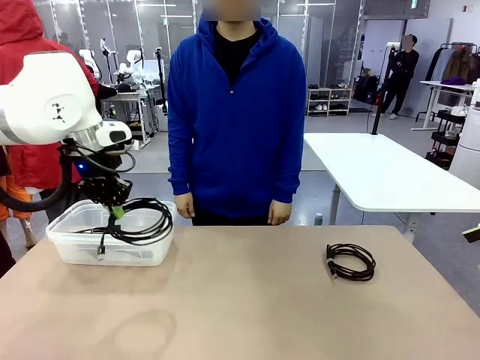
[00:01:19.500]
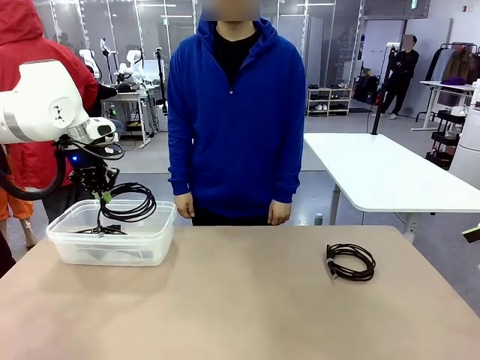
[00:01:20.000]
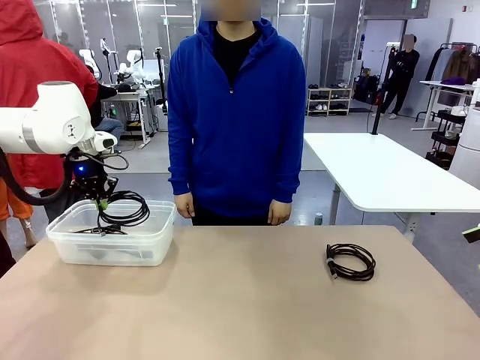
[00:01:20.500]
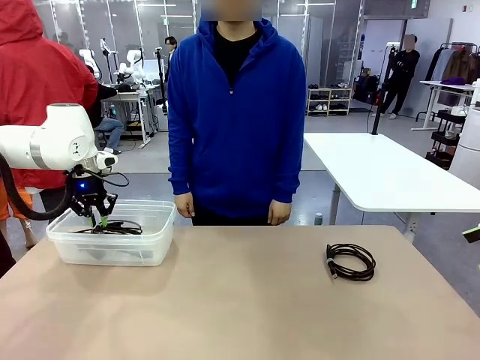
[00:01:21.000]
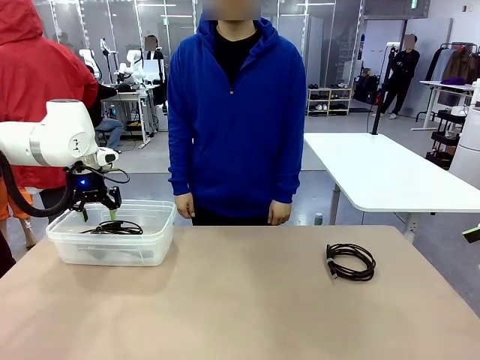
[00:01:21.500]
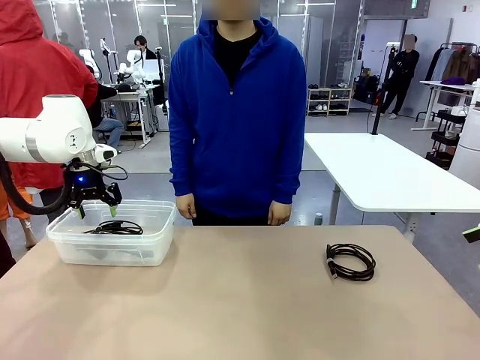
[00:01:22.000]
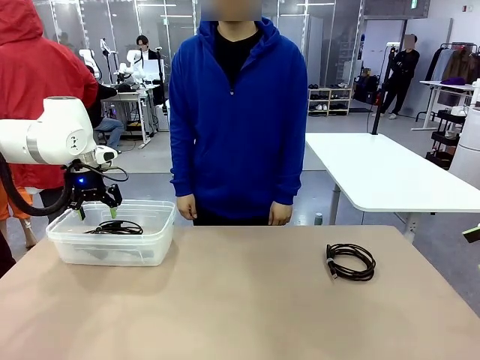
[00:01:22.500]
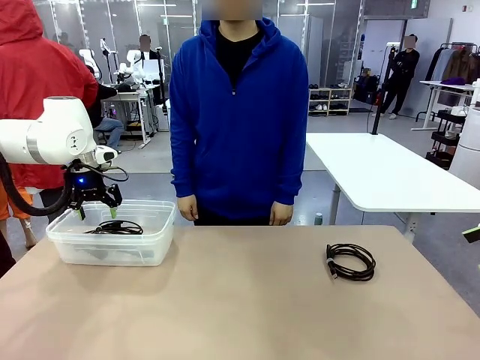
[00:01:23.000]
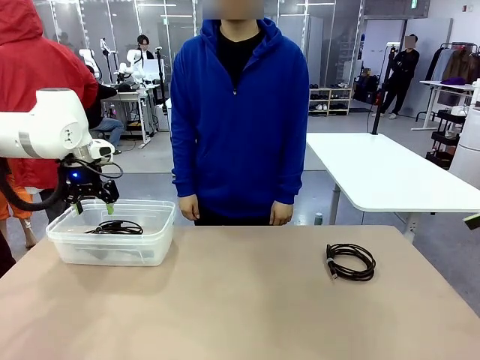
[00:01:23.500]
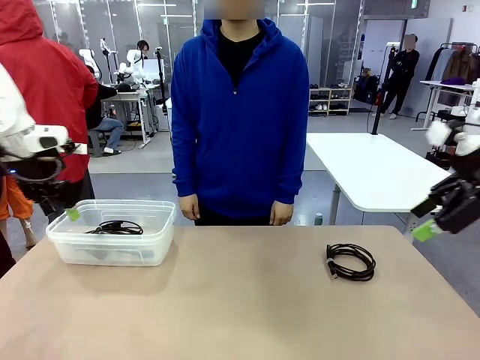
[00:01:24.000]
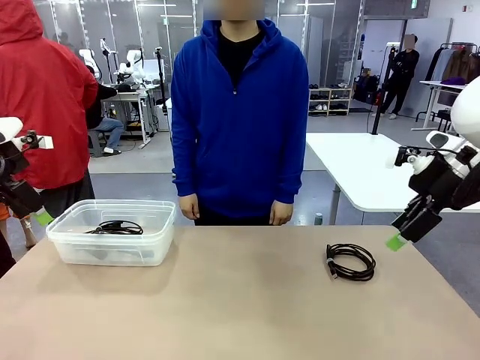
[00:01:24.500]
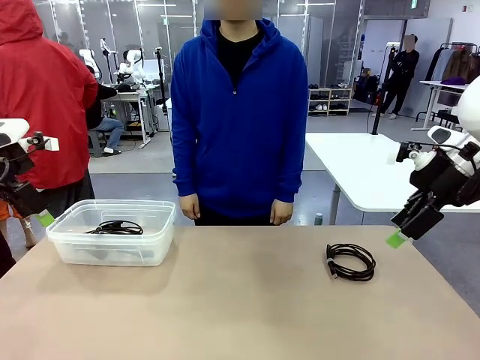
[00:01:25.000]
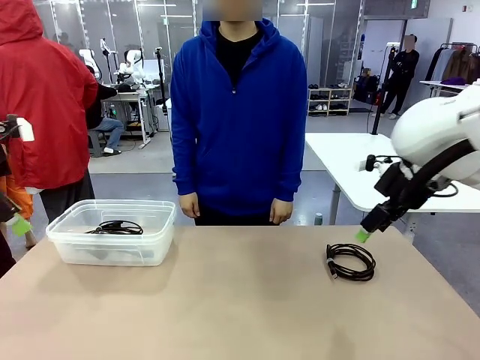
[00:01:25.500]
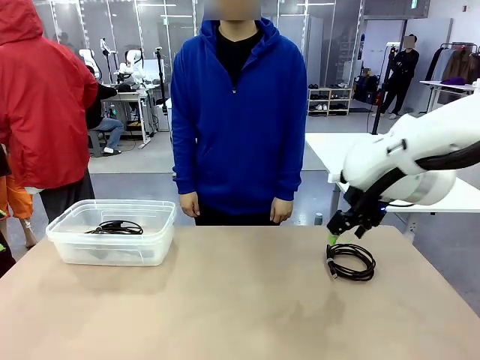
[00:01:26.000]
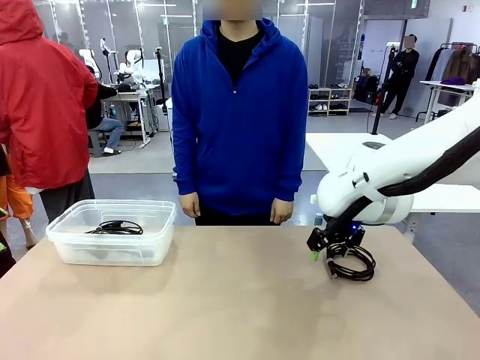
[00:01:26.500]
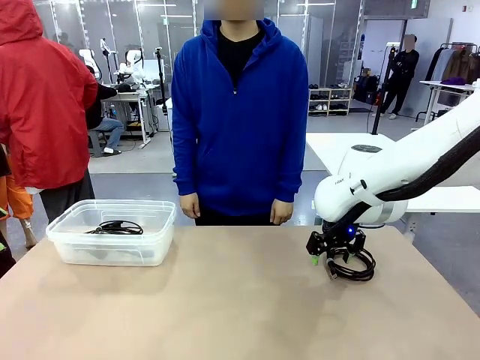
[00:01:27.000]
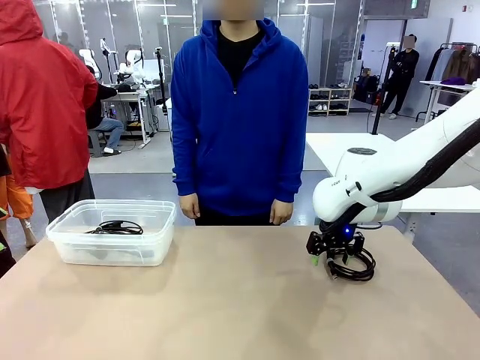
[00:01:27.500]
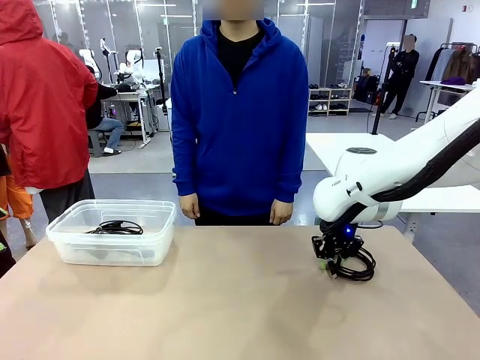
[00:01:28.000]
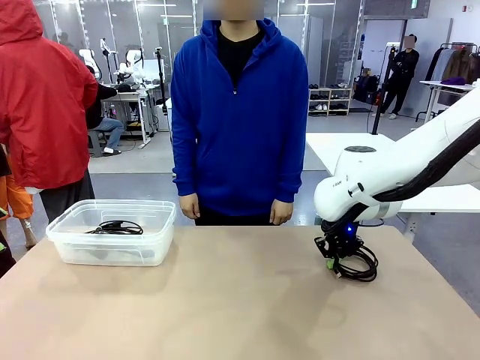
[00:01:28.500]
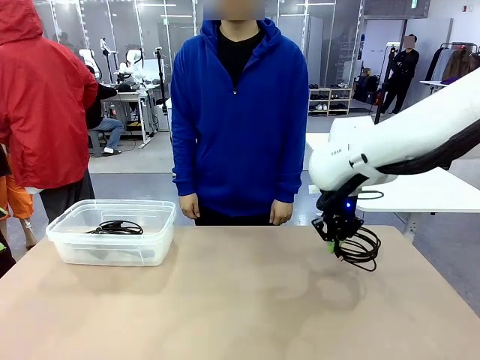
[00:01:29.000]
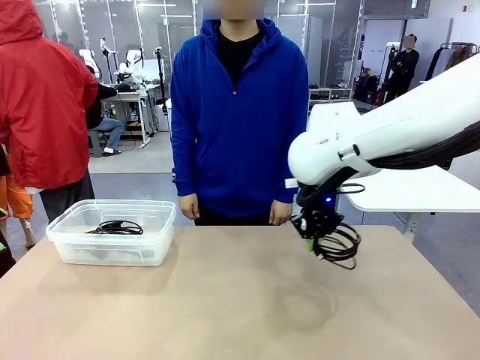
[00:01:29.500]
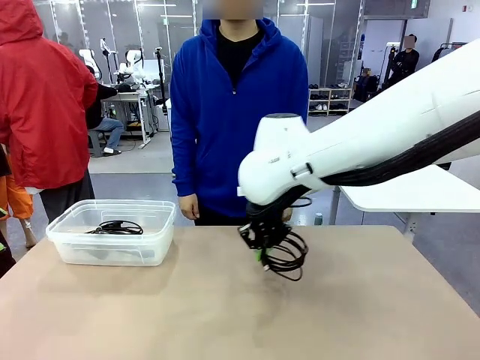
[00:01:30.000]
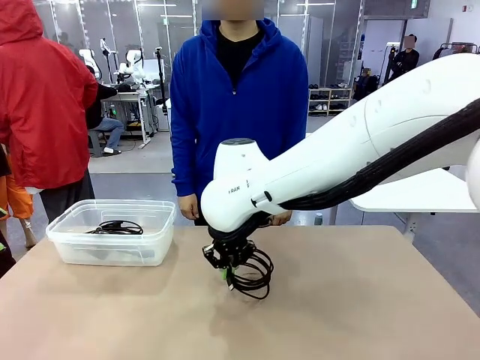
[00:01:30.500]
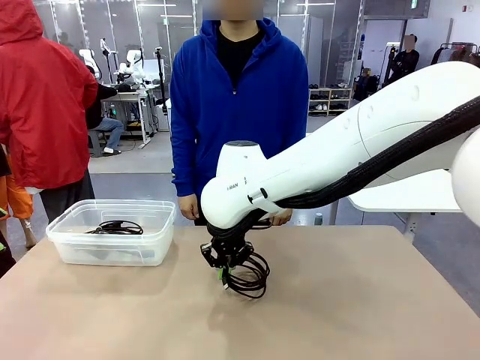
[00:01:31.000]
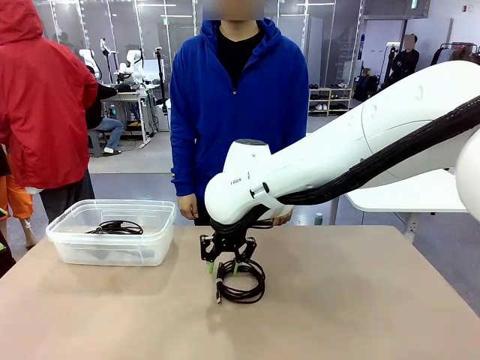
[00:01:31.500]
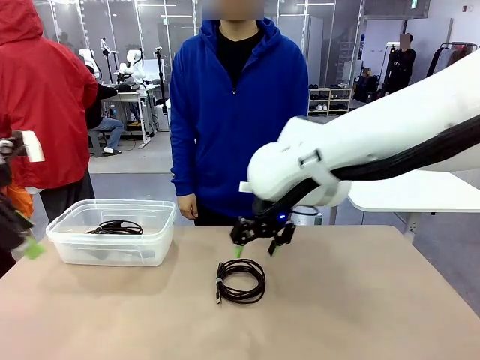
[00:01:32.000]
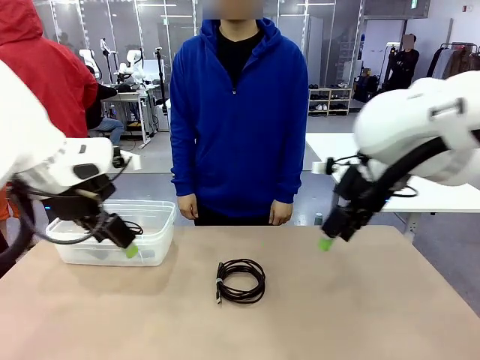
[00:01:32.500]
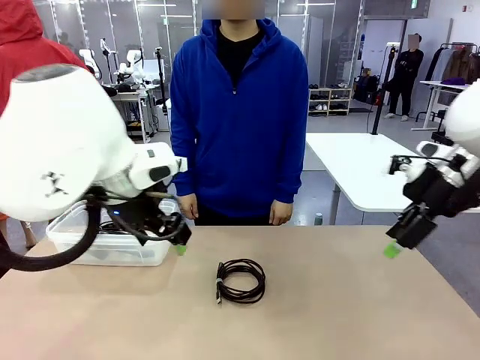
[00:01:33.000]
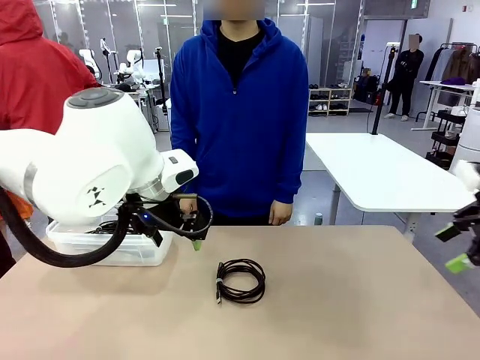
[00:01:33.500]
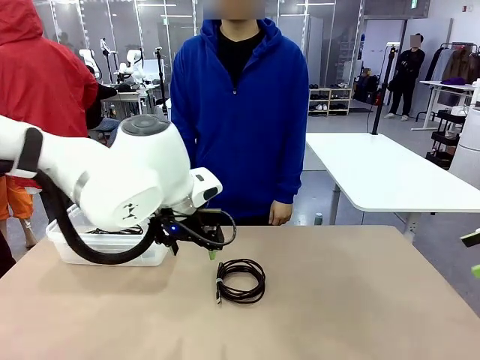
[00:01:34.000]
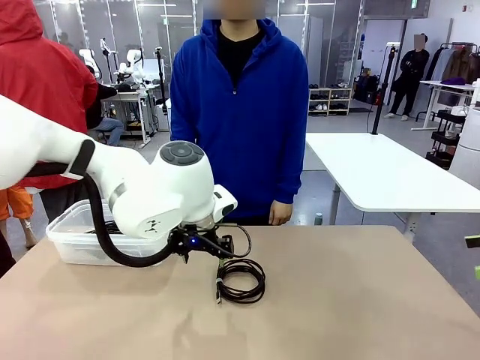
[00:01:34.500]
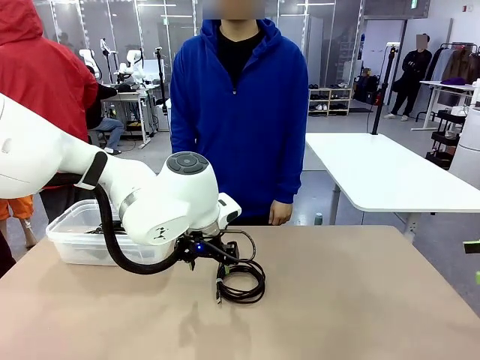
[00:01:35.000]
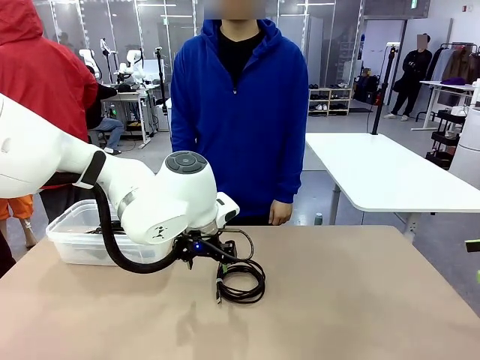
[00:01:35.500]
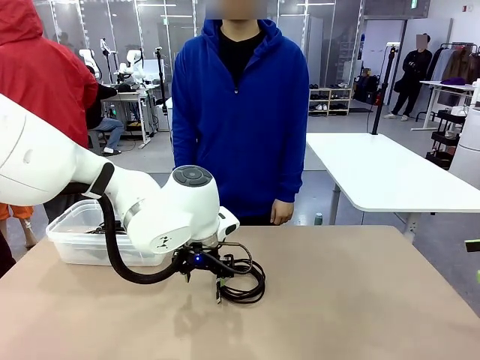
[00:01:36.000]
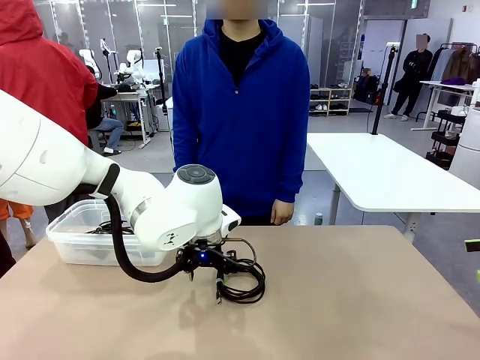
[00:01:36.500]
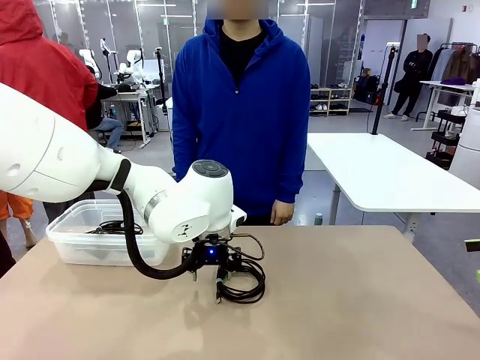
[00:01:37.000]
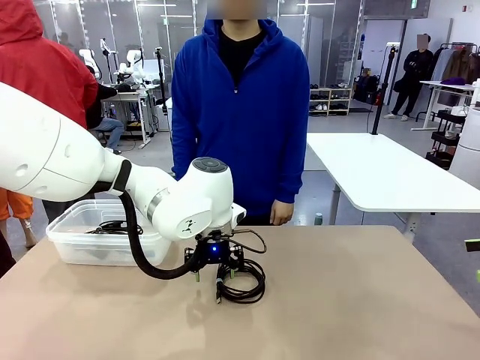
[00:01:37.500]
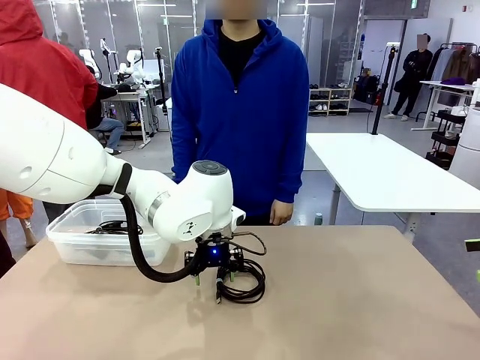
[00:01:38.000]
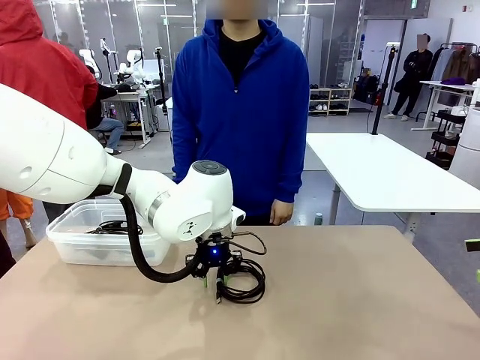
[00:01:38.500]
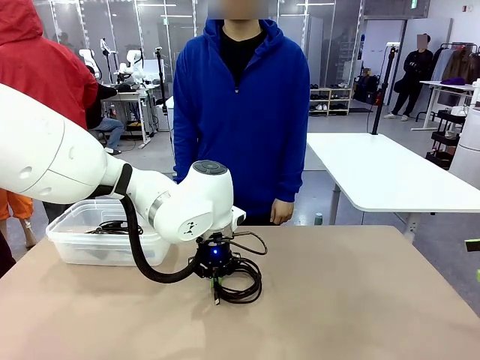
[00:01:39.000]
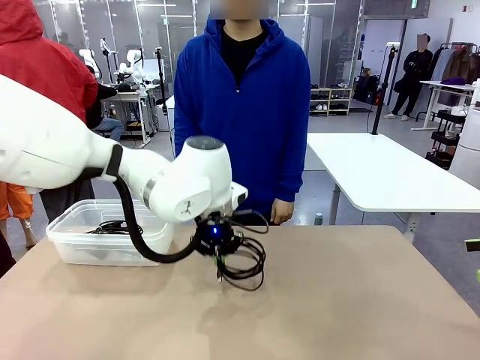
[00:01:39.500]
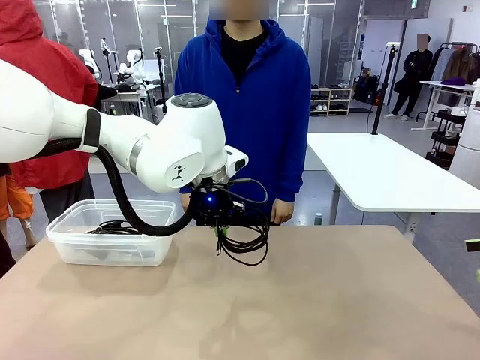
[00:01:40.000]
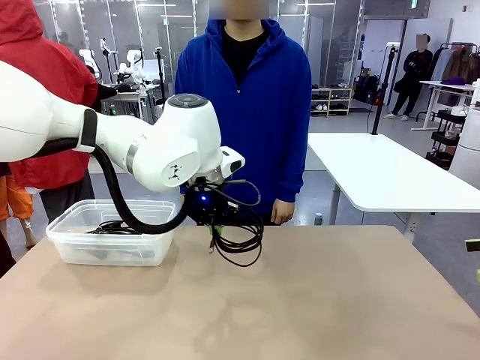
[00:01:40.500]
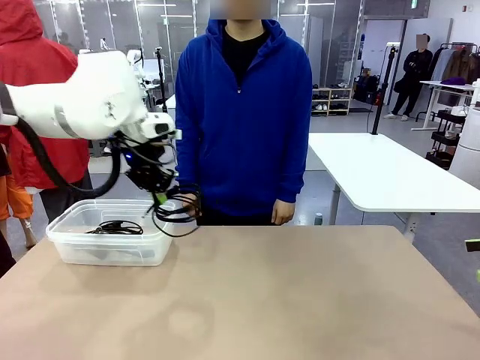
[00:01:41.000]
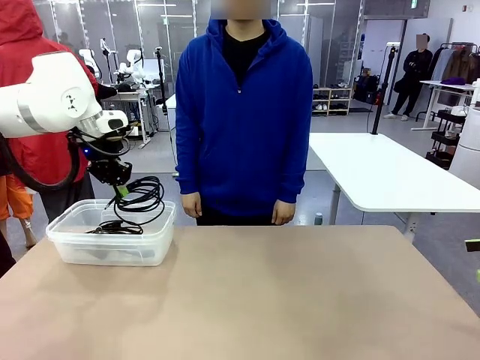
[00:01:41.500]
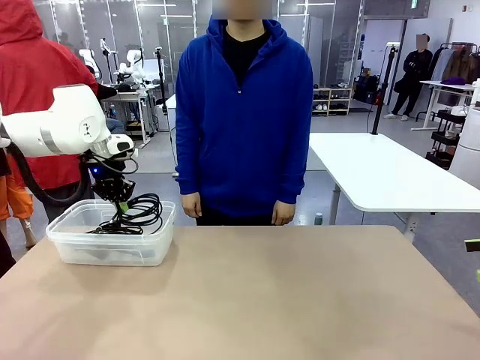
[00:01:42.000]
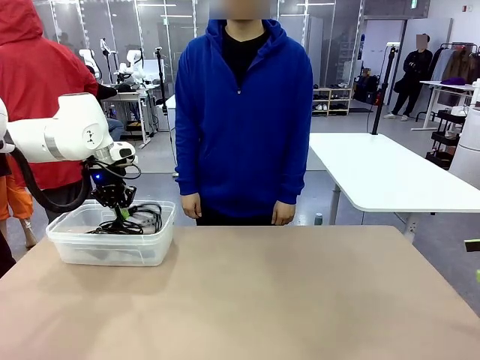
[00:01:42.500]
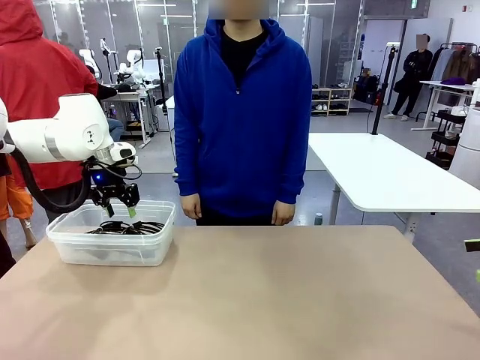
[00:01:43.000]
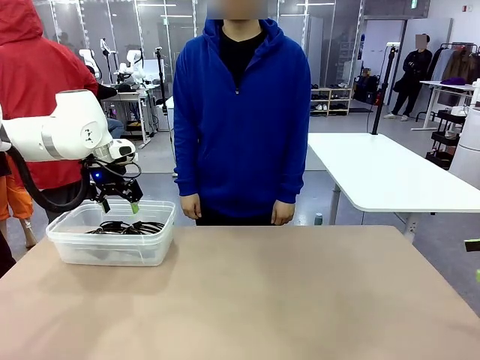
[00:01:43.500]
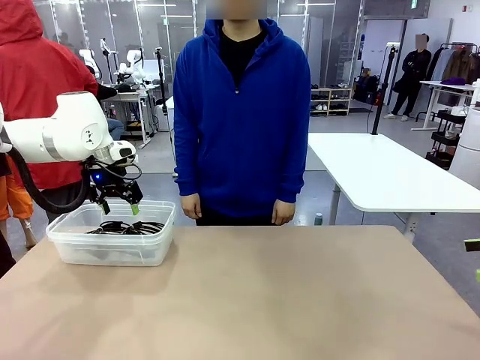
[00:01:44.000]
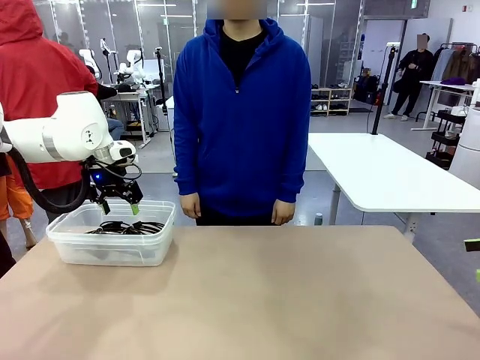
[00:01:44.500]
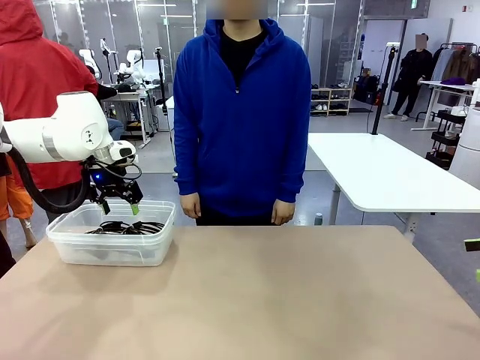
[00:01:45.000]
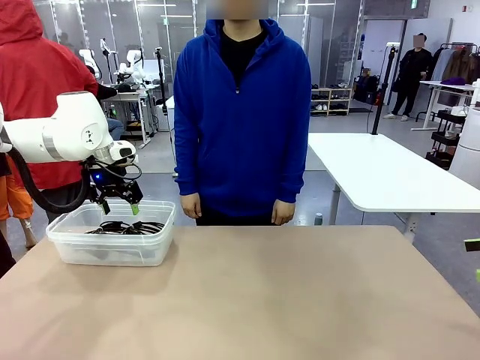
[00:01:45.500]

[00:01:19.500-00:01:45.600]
Task: Organize and store the cables.
Robot: Place the USB Extension Cable into the Organizing box.
